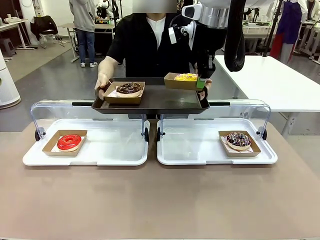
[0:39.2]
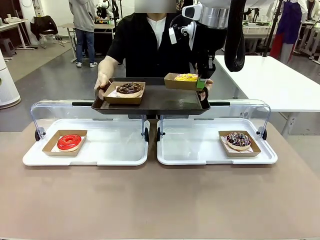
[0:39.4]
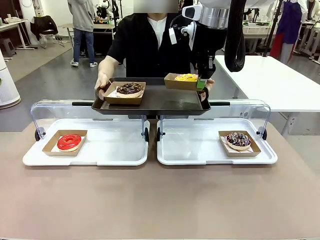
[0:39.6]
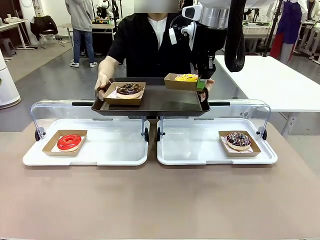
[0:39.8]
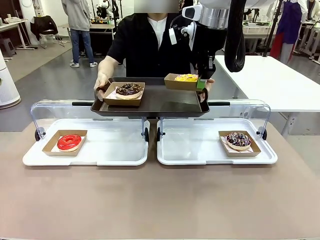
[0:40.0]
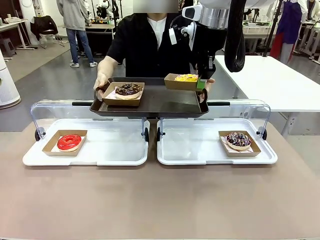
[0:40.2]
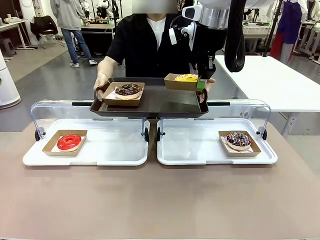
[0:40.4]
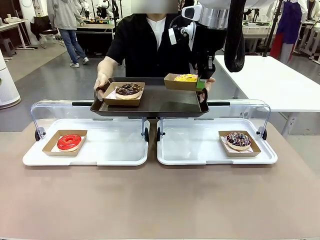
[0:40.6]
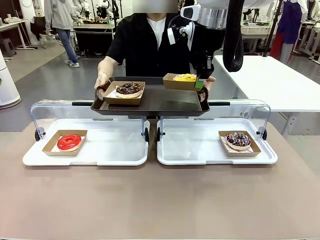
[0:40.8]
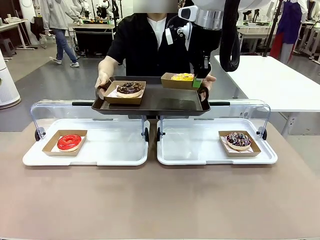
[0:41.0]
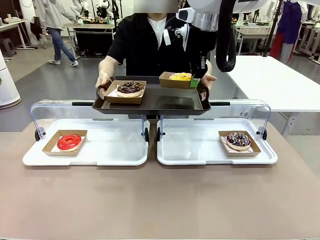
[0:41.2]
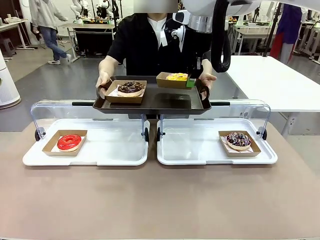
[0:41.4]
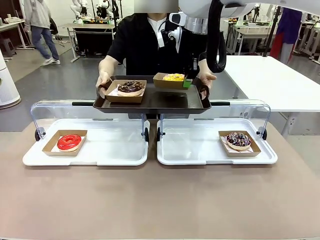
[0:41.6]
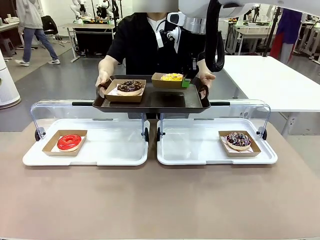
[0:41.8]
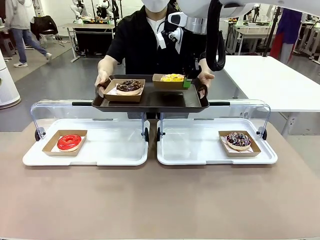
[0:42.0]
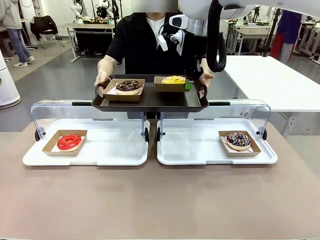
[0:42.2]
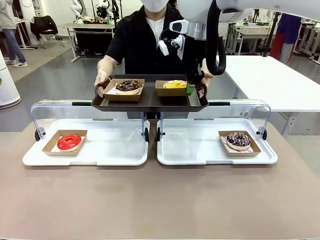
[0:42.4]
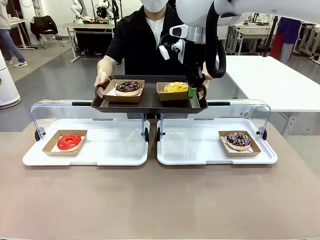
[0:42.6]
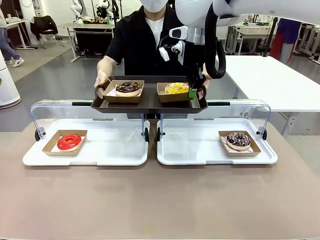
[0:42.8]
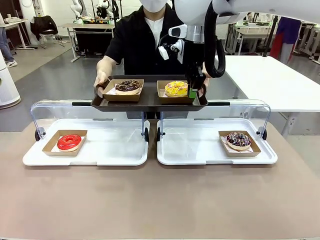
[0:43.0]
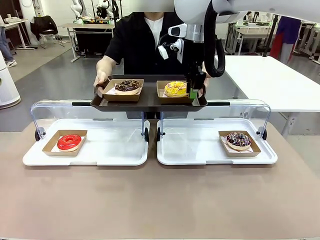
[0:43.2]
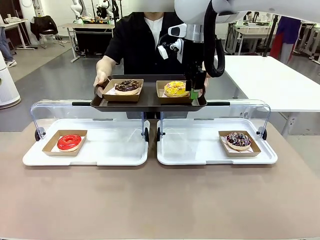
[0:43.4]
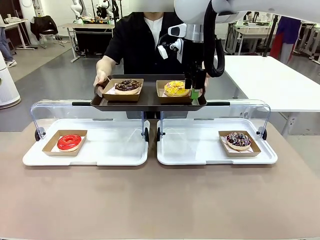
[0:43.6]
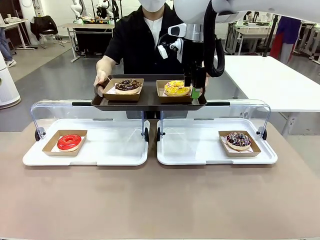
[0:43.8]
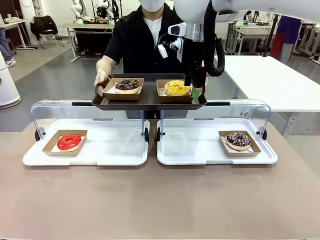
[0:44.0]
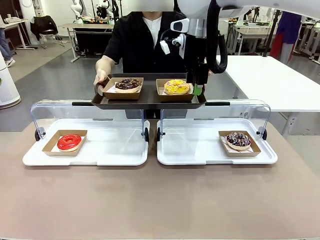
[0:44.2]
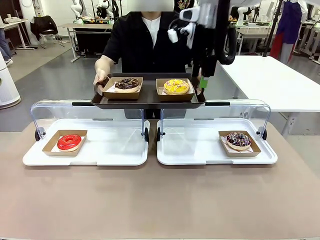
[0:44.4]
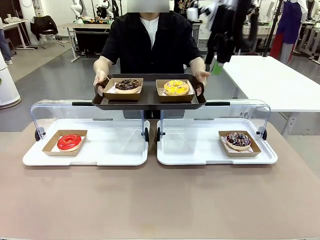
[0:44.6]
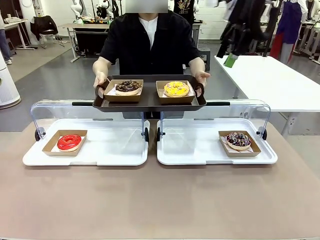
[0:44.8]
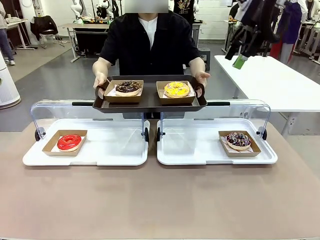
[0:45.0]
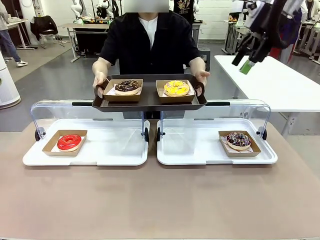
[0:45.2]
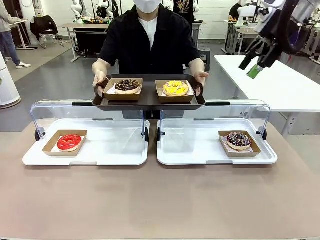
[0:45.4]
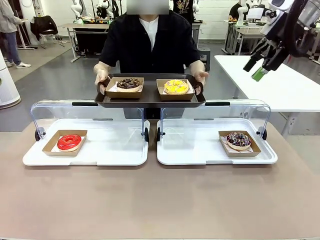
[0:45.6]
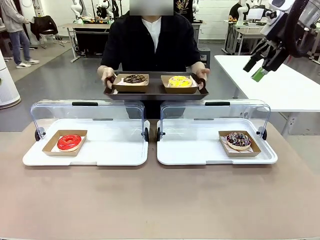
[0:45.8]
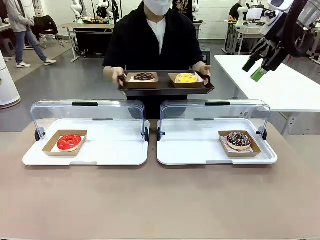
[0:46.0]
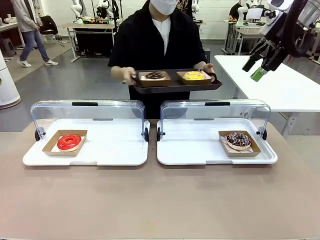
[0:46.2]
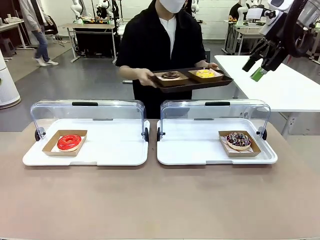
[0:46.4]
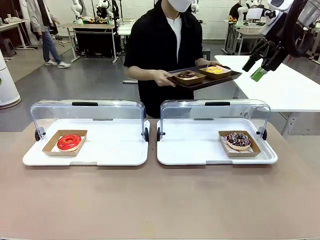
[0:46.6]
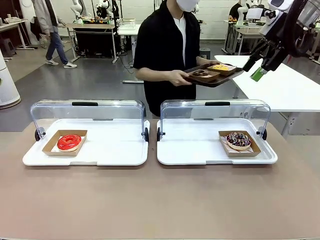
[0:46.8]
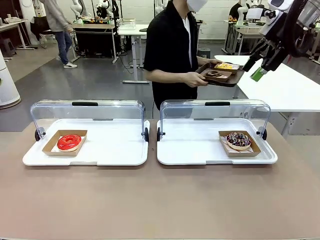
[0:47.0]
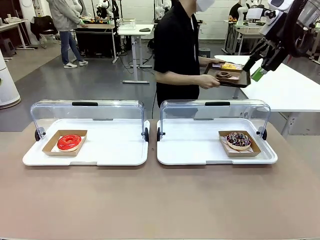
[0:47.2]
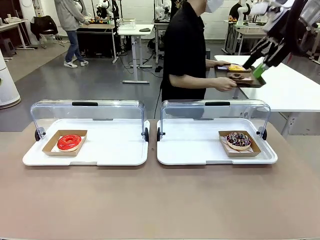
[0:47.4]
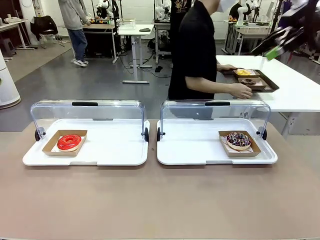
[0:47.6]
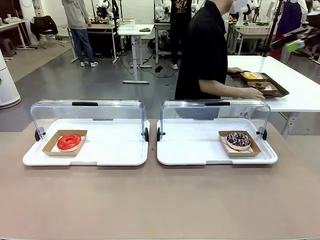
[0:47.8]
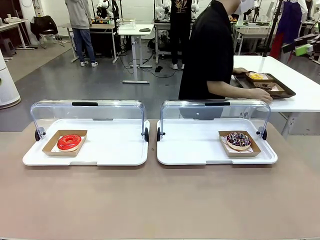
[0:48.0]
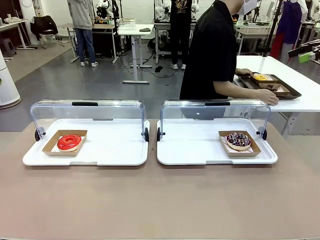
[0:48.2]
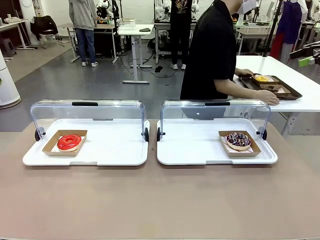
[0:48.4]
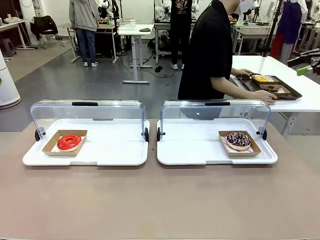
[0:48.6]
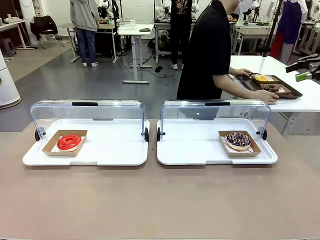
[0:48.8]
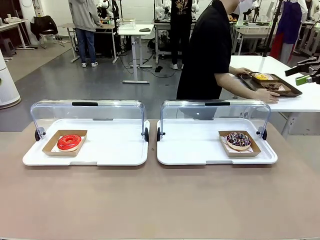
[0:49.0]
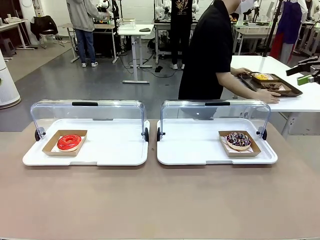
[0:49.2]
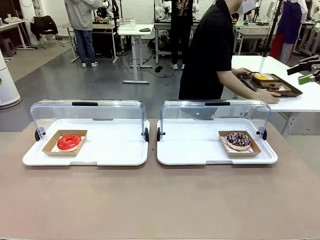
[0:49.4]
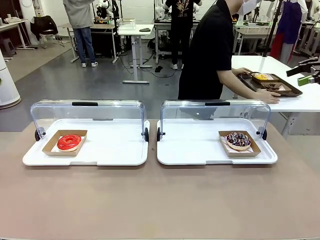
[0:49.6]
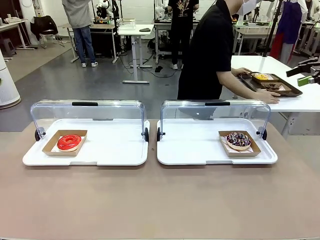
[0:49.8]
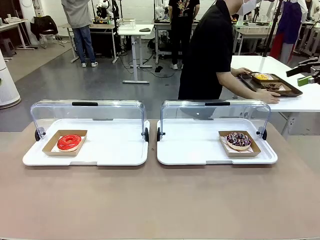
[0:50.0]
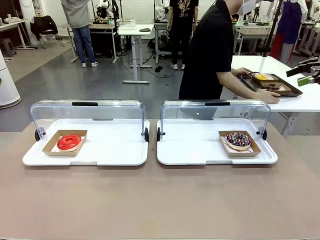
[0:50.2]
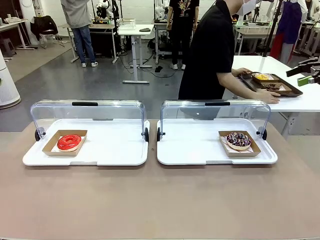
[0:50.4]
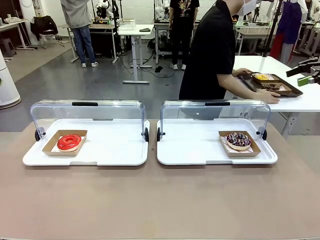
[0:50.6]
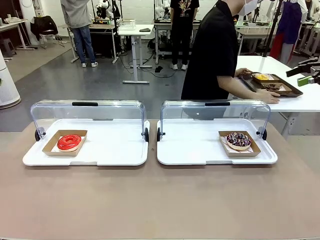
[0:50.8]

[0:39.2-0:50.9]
Task: Provide the desired donut to the person.
Robot: Place the picked Paper togo box onto the Handle tray extended by the person.
Person: Place the tray in the middle of the human table.

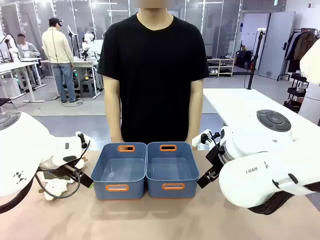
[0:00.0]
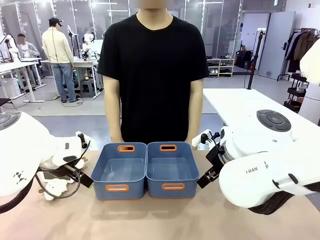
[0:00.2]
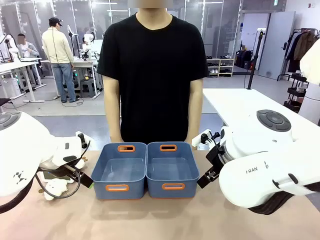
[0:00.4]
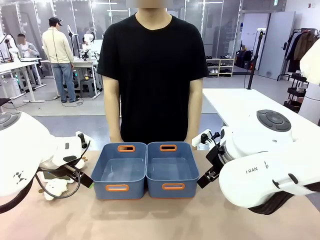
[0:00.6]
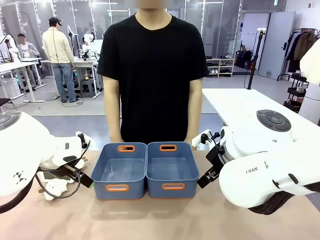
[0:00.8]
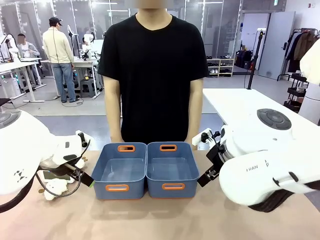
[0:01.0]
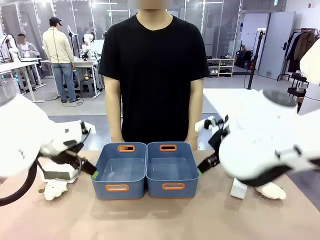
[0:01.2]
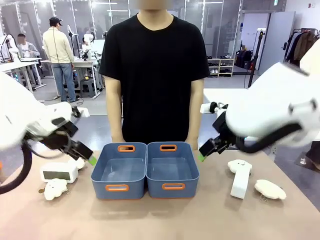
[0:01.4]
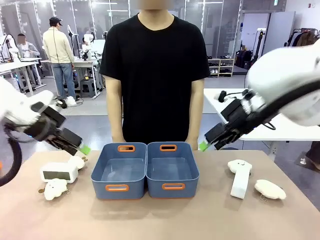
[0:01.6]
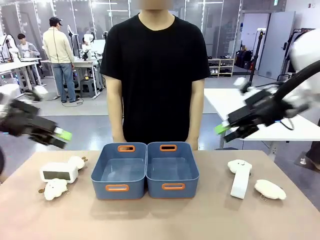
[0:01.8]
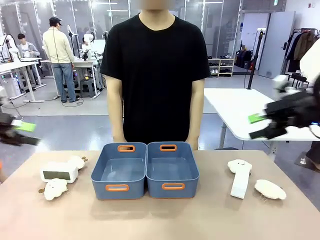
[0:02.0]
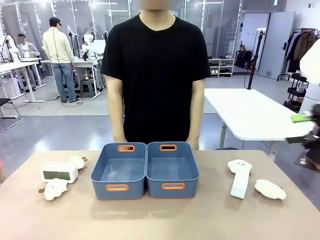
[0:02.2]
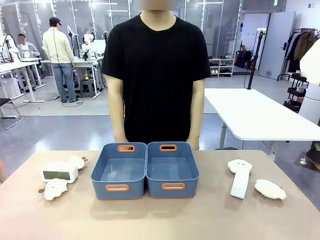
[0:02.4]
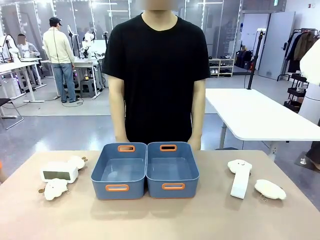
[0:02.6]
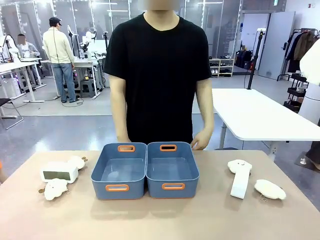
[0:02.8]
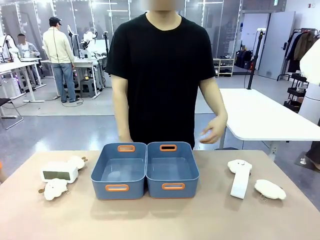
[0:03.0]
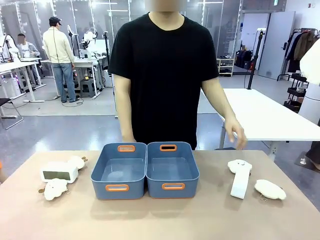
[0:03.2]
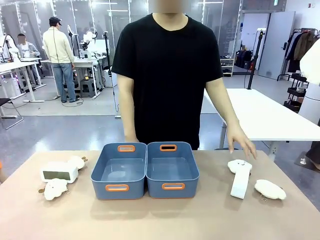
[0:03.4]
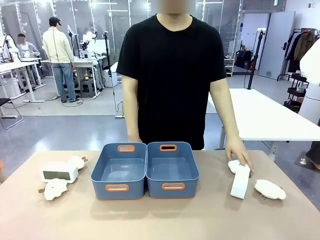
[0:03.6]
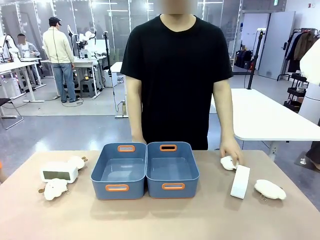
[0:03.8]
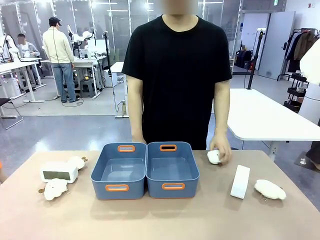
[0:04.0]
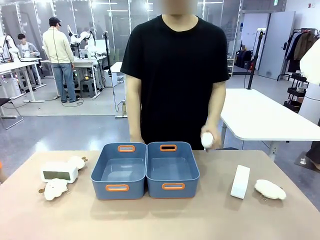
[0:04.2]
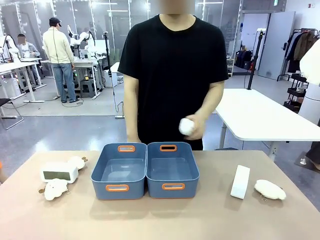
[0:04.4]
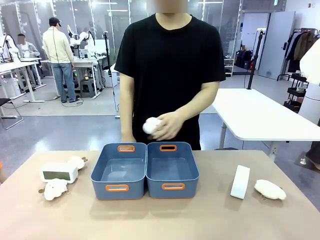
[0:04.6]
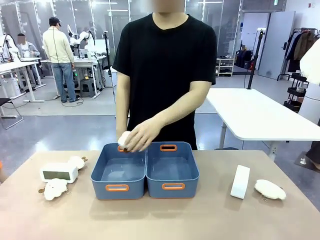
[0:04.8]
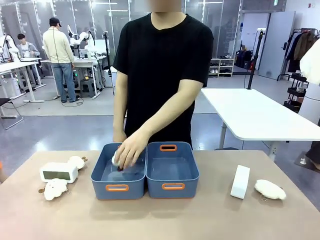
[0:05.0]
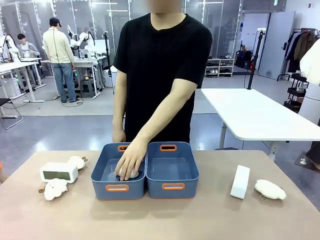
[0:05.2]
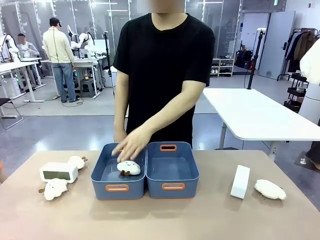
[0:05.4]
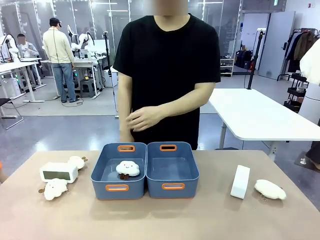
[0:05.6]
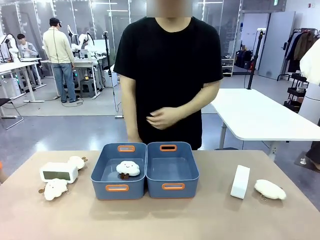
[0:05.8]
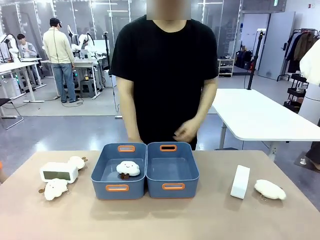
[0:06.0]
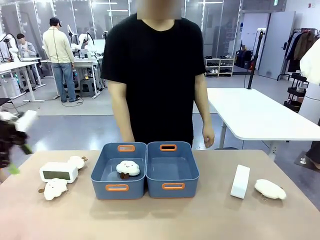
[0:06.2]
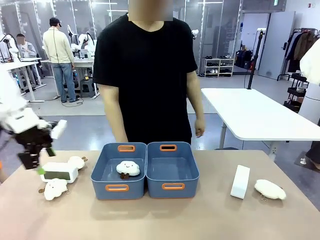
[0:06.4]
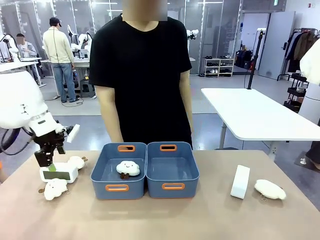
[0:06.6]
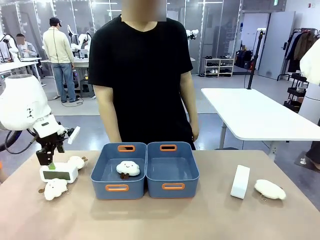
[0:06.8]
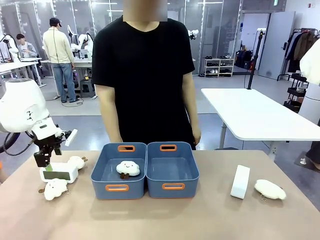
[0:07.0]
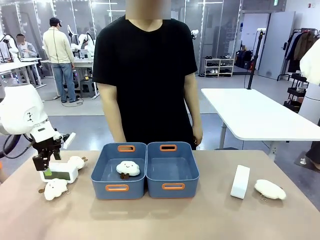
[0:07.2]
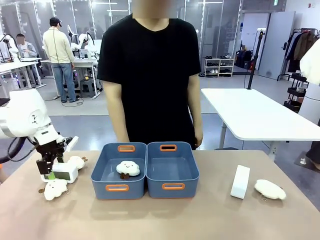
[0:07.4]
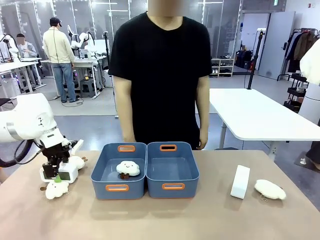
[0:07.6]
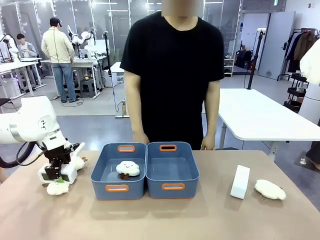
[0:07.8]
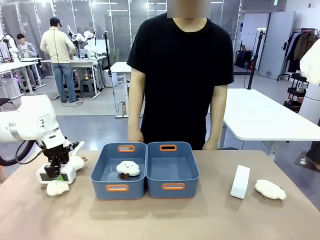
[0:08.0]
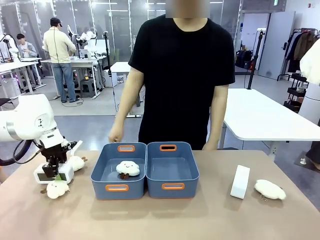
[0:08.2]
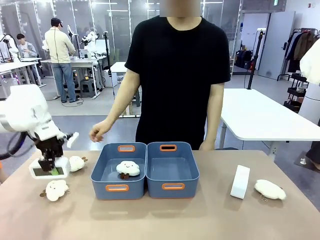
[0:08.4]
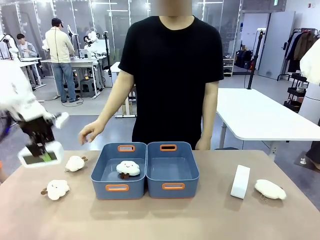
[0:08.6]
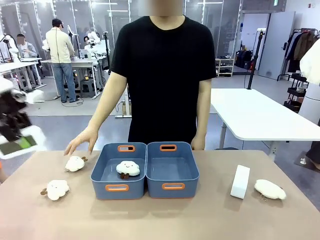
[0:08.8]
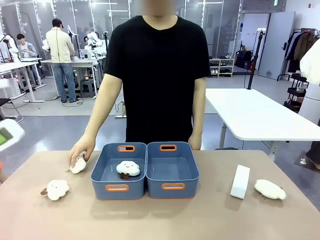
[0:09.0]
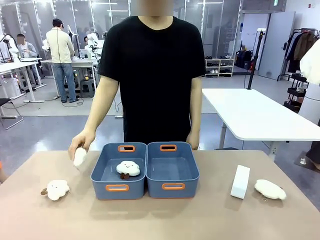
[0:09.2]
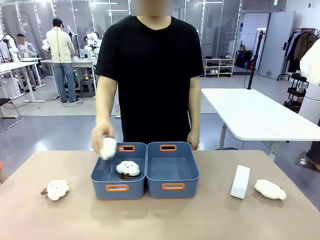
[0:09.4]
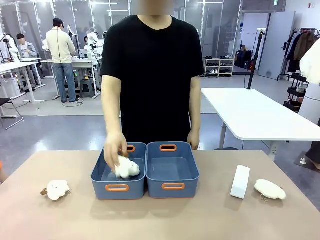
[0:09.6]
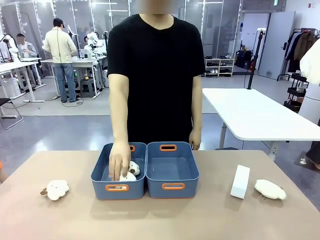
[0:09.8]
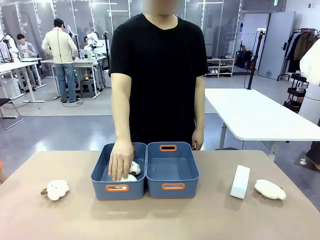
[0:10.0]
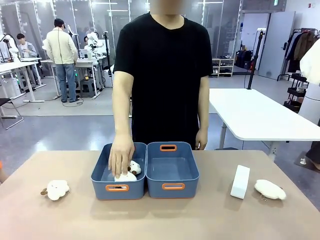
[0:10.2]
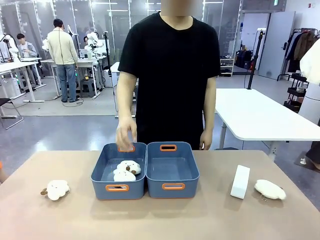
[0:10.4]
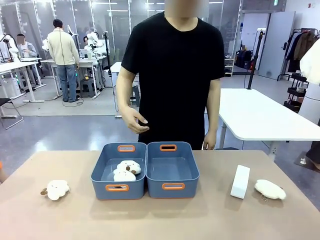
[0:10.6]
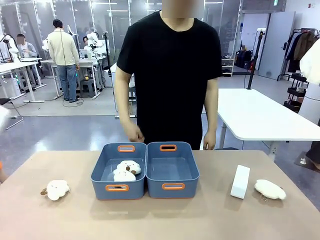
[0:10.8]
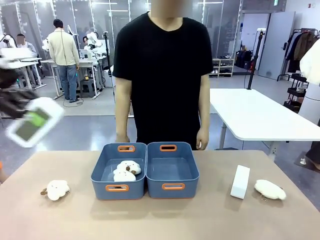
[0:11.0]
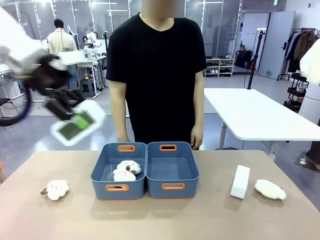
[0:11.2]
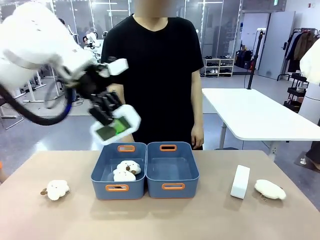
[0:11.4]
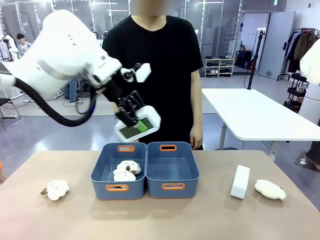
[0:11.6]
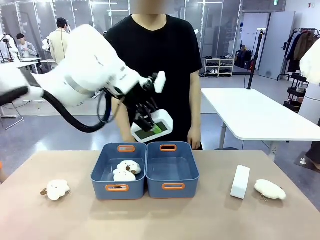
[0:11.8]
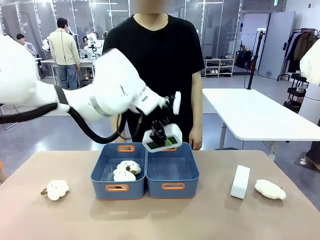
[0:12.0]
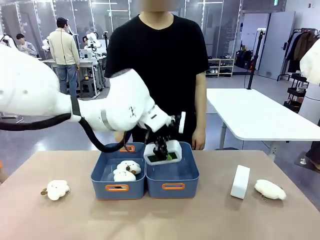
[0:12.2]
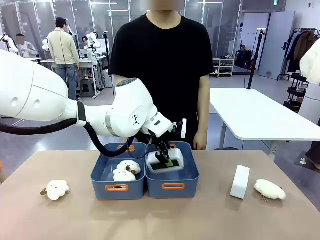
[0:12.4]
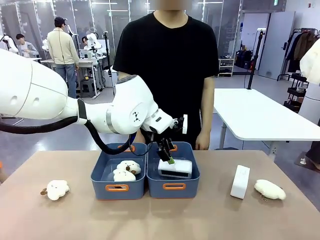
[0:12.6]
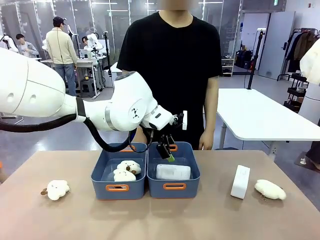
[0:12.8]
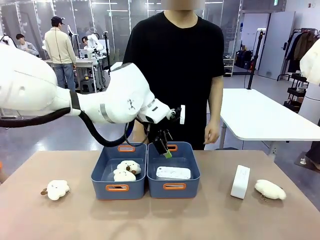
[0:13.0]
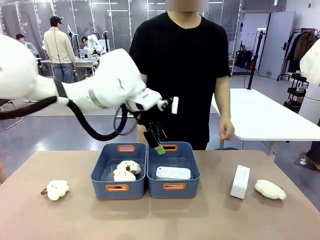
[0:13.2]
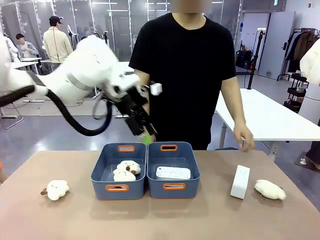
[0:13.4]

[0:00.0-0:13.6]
Task: Sort the digital clocks into the basket.
Robot: Pick up the Digital clock from the table and place it into the empty Plastic storage basket.
Person: Pick up a plush toy from the table and place it in a plastic storage basket.
